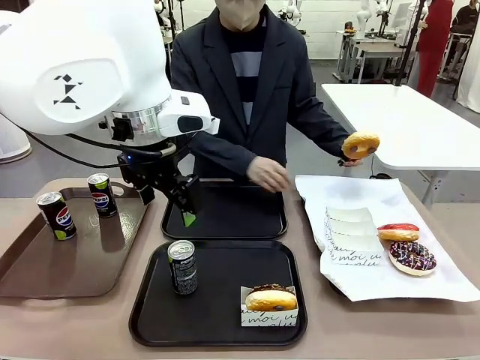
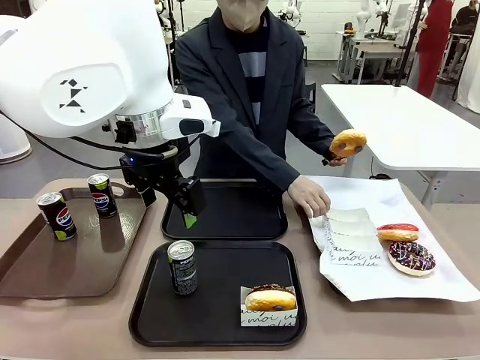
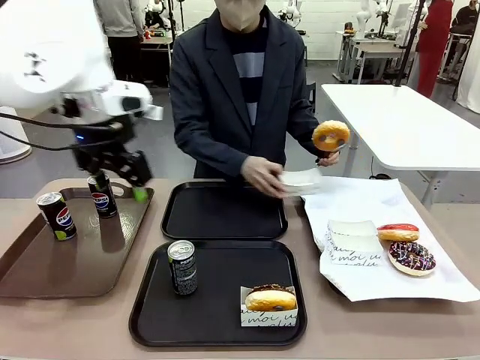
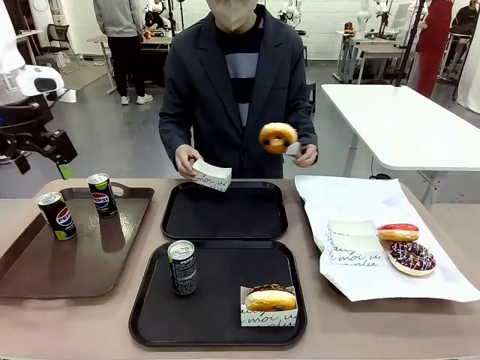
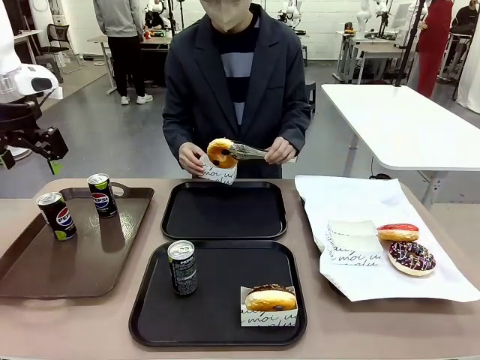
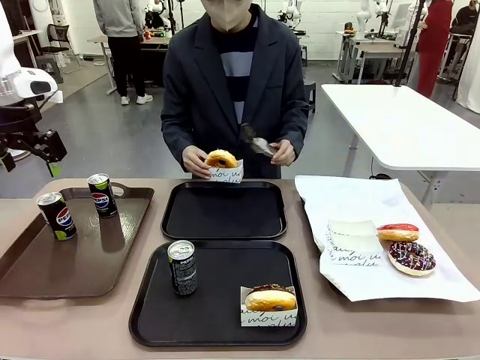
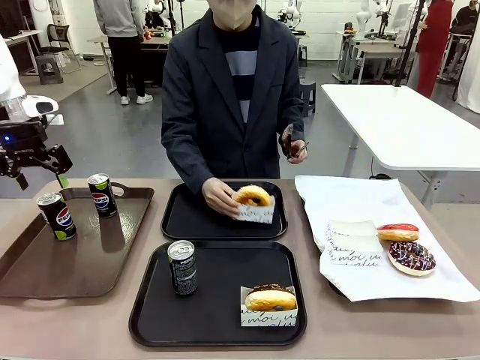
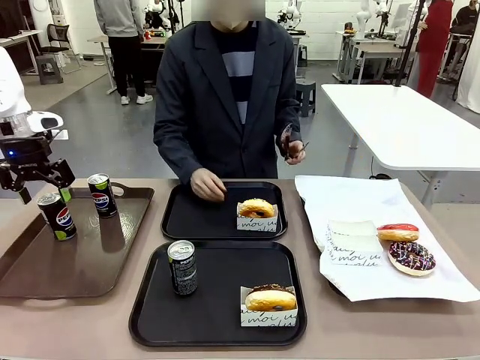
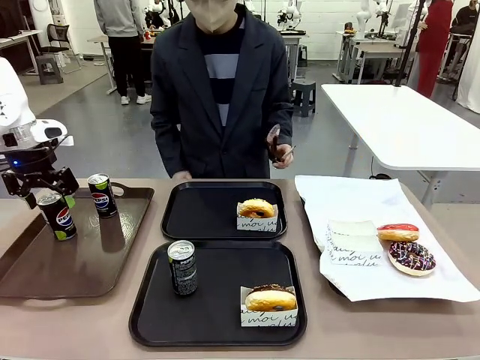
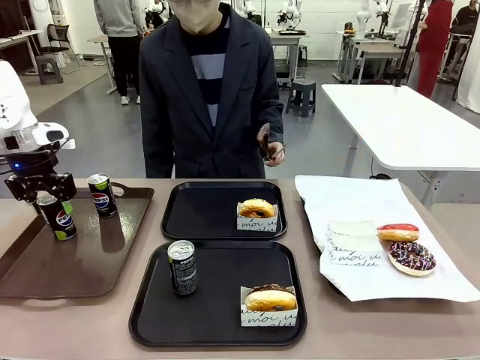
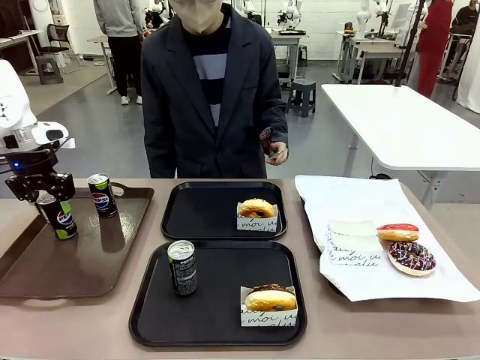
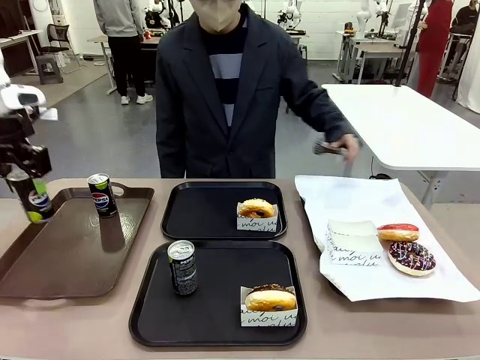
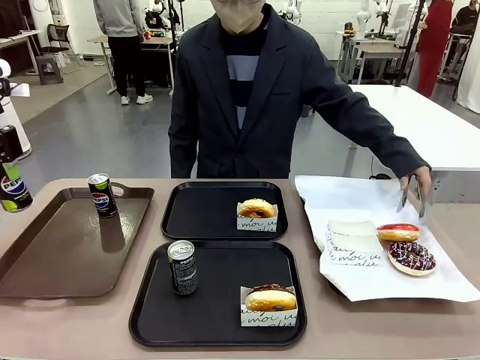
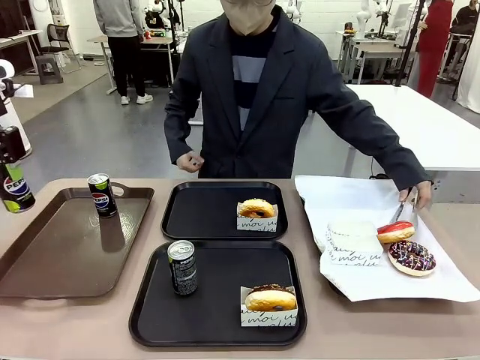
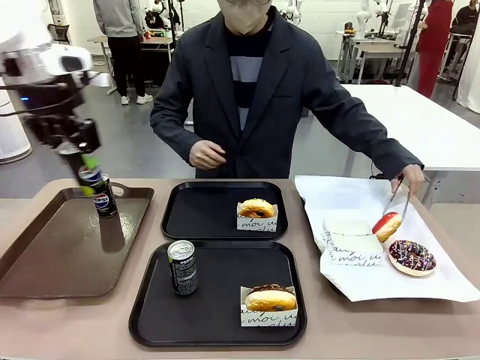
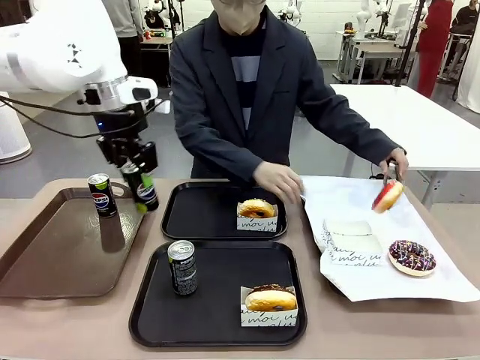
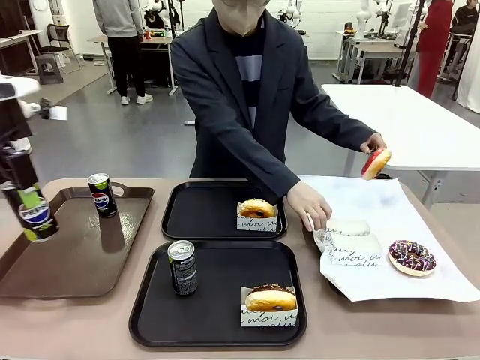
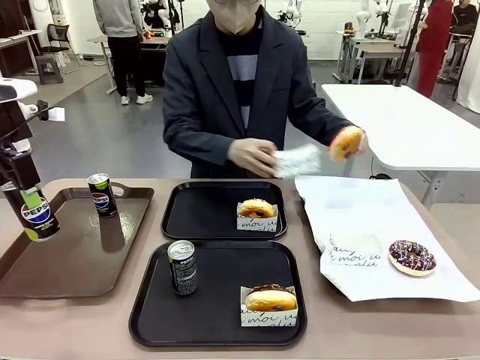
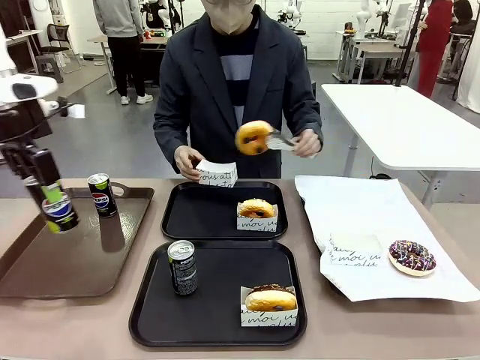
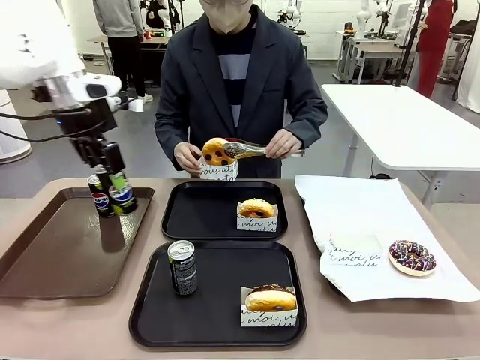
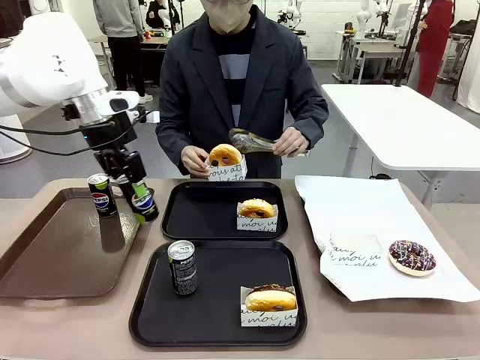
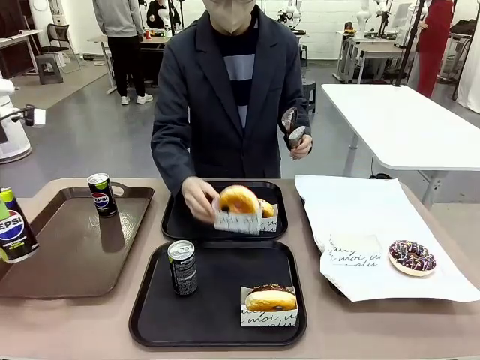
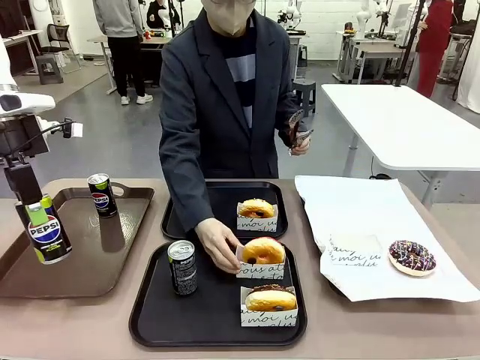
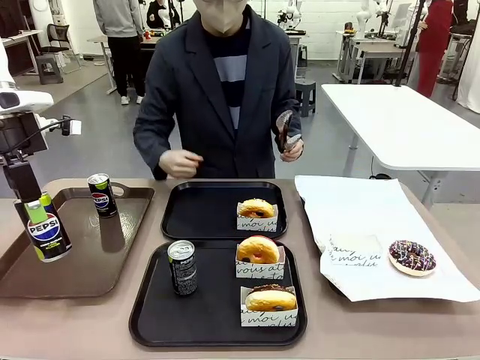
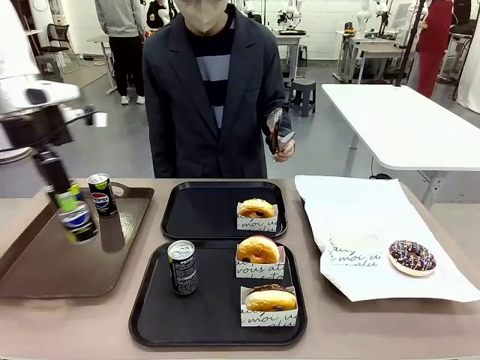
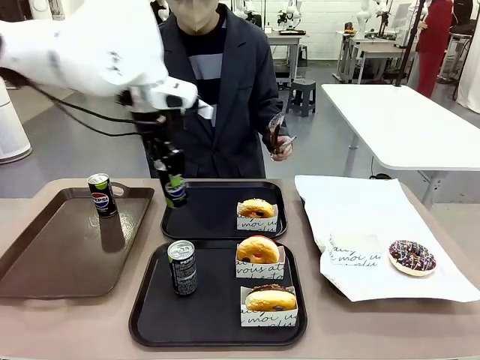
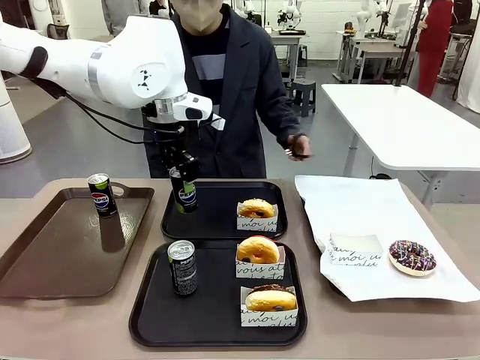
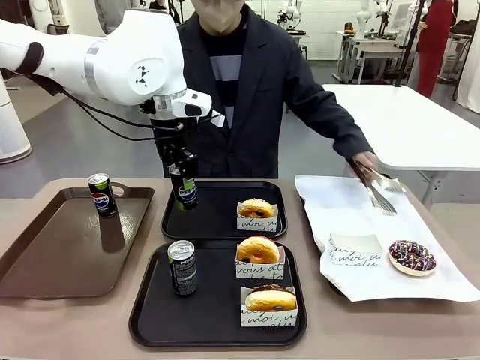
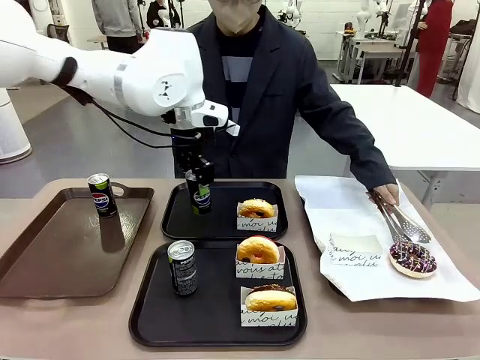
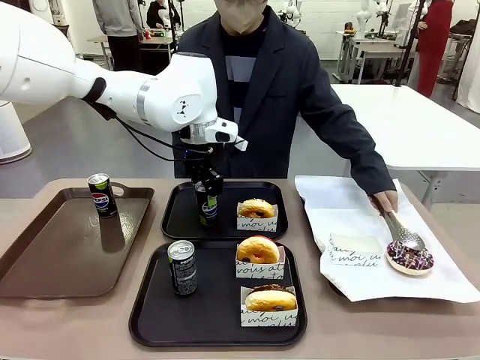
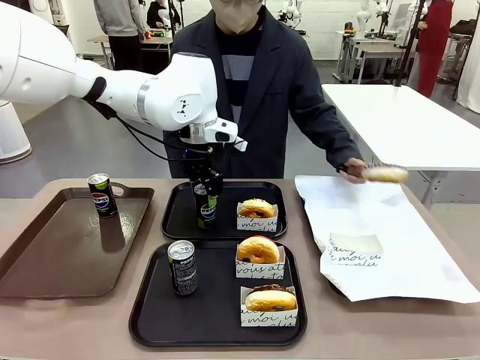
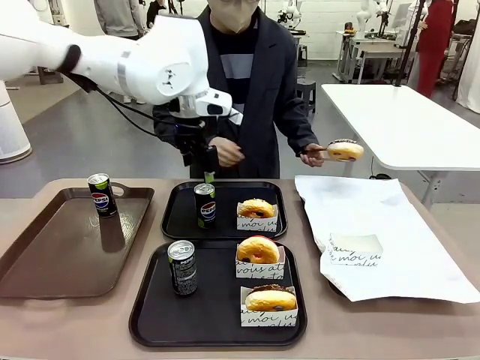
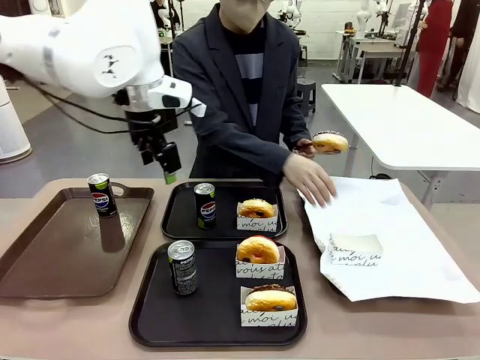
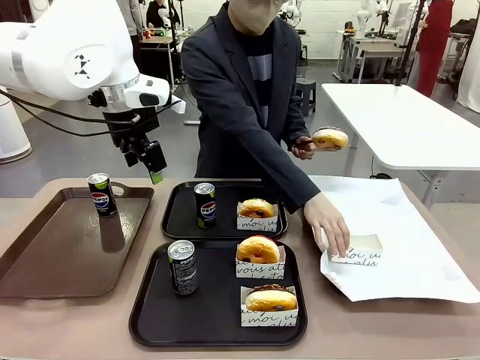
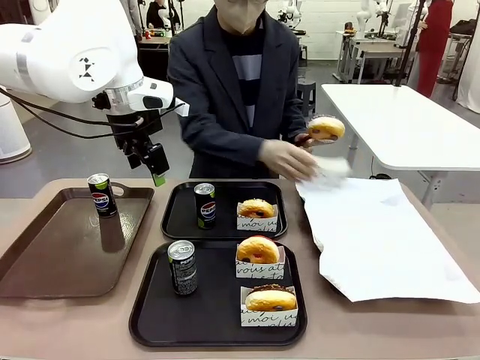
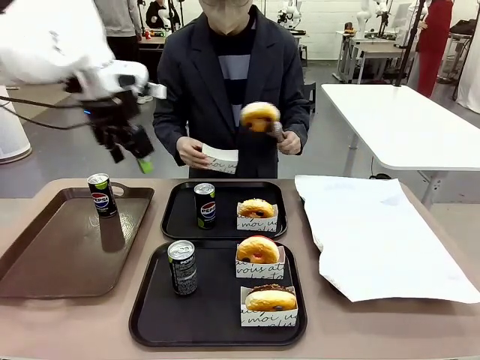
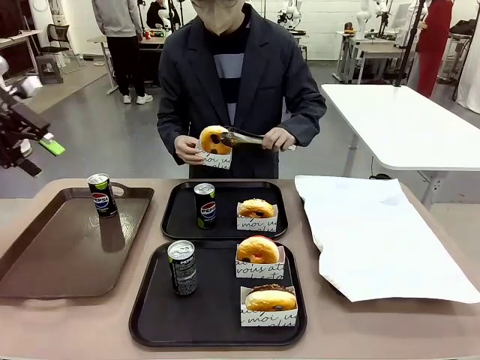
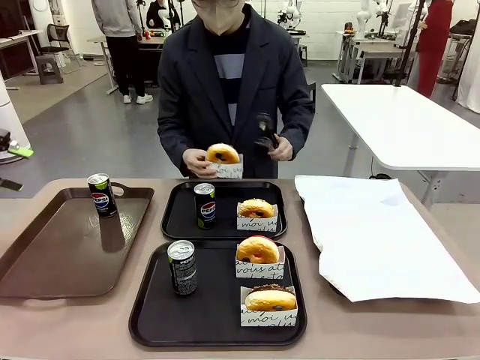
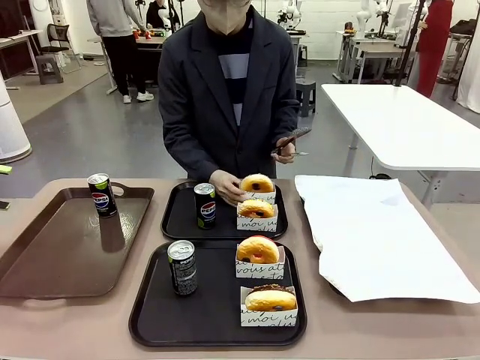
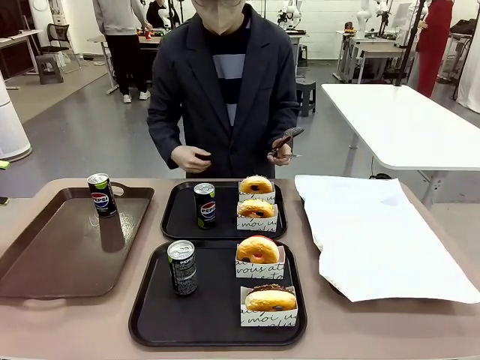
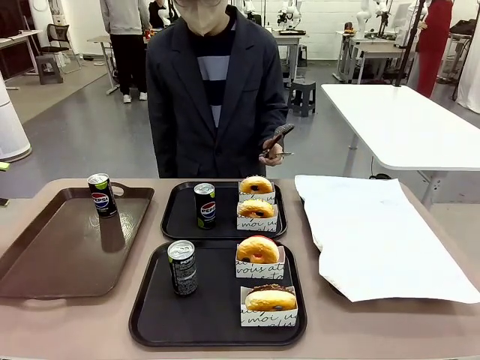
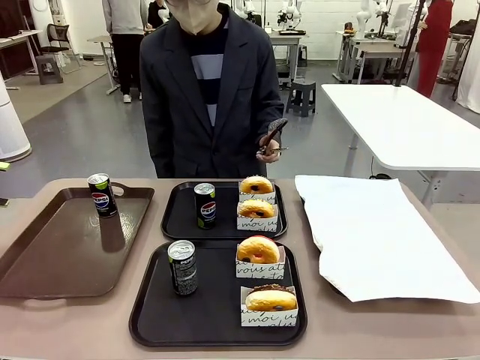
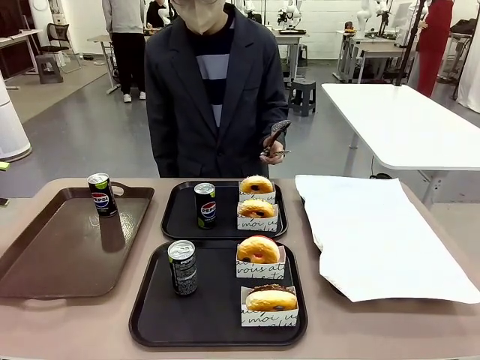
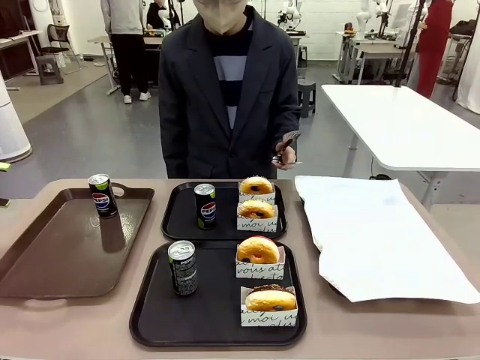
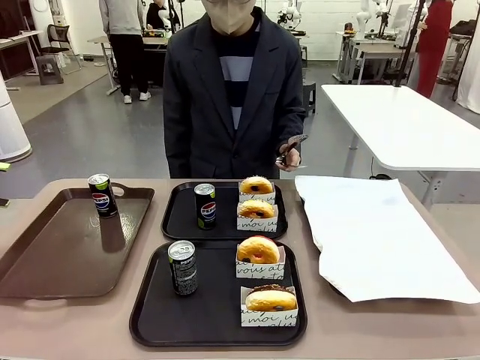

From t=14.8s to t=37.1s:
Task: Set up donuts and drinks on trays.
Robot: Pick up one Pepsi coke from the Handle tray and place it on the Flat Tray without a Pepsi coke.
Person: Pick up one donut with tongs, place it in the donut tray, and then place the donut tray on the flat tray.
